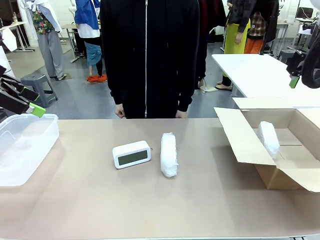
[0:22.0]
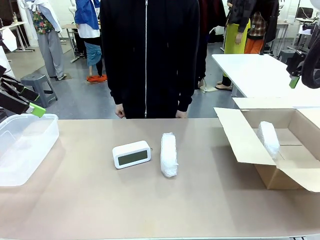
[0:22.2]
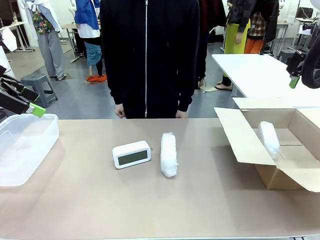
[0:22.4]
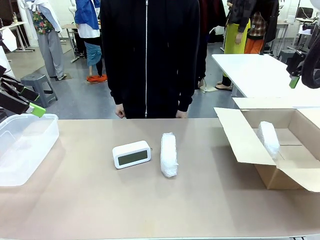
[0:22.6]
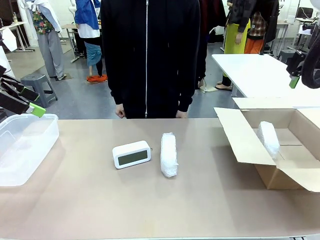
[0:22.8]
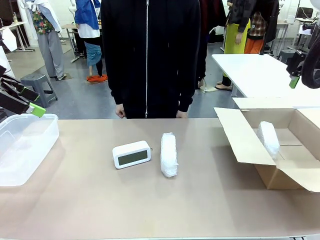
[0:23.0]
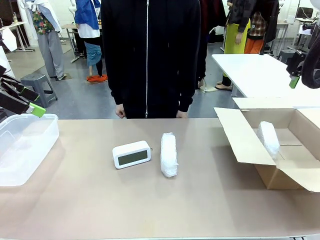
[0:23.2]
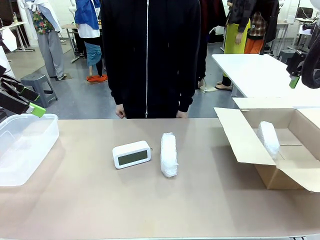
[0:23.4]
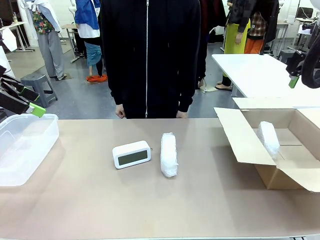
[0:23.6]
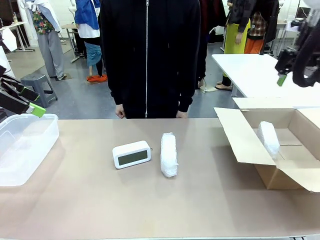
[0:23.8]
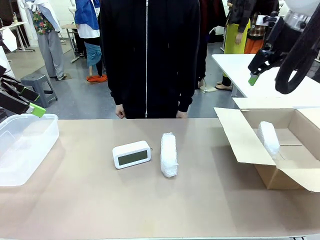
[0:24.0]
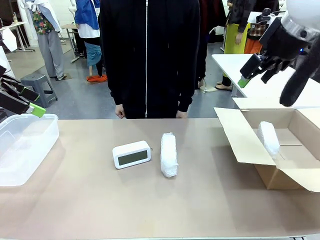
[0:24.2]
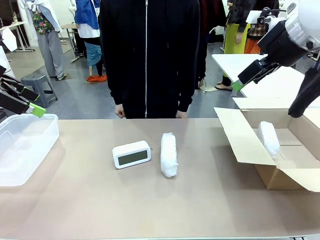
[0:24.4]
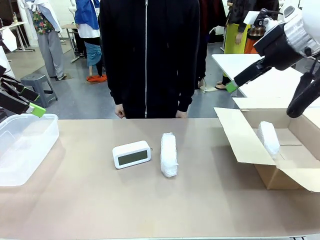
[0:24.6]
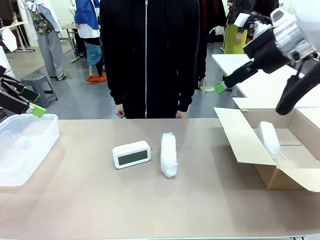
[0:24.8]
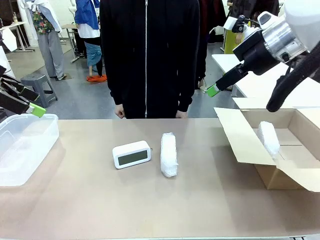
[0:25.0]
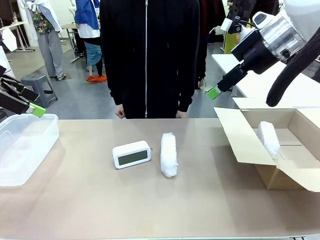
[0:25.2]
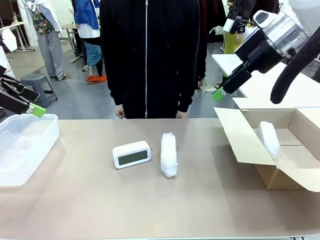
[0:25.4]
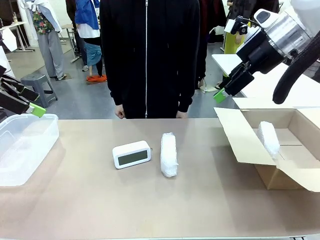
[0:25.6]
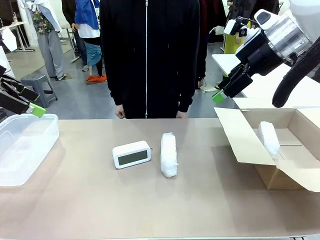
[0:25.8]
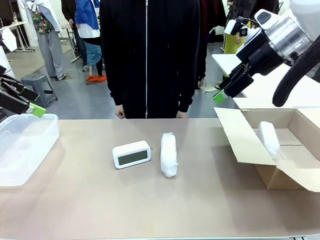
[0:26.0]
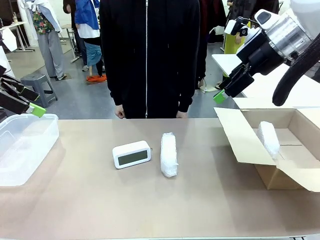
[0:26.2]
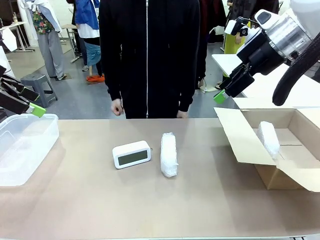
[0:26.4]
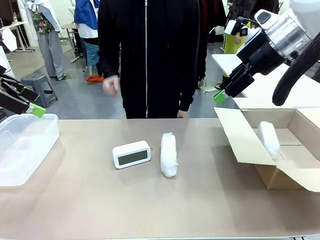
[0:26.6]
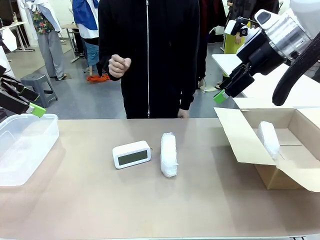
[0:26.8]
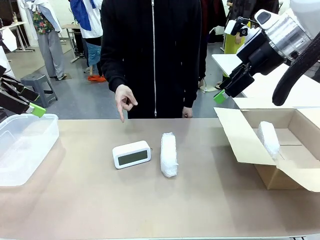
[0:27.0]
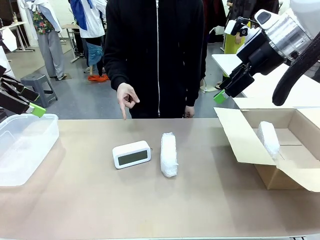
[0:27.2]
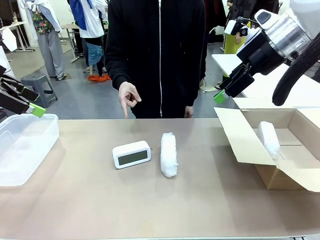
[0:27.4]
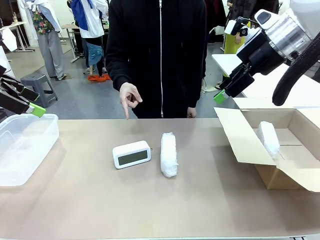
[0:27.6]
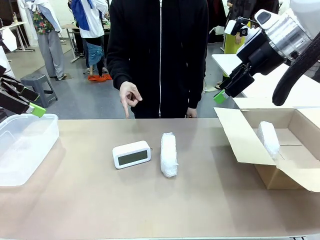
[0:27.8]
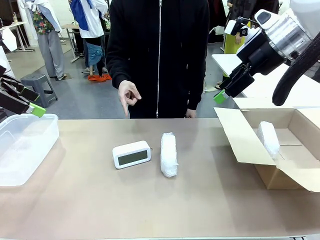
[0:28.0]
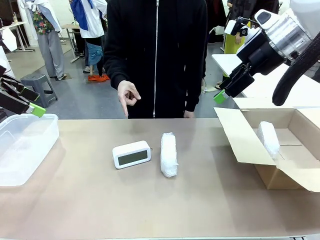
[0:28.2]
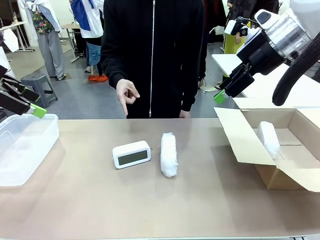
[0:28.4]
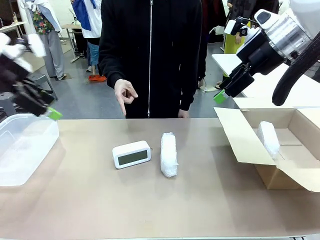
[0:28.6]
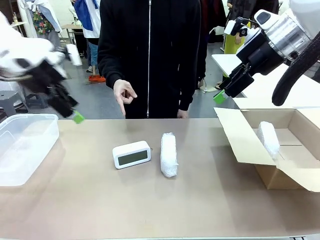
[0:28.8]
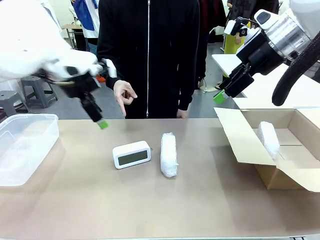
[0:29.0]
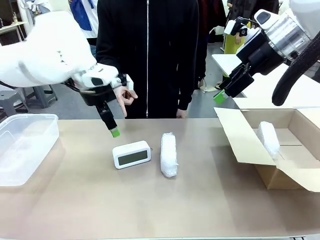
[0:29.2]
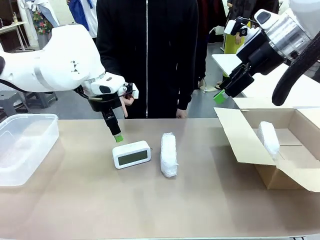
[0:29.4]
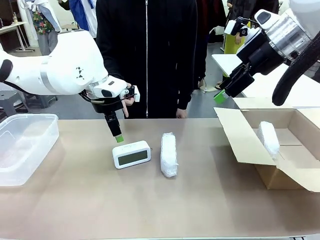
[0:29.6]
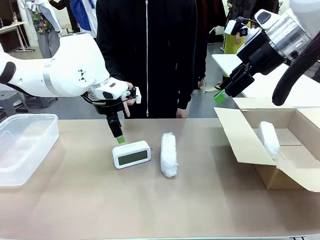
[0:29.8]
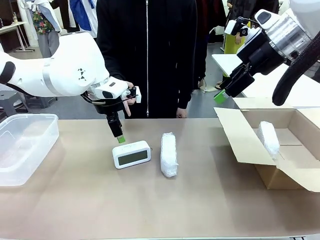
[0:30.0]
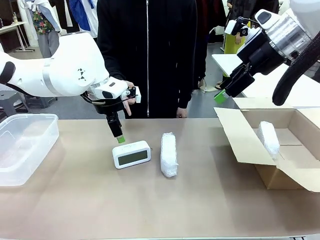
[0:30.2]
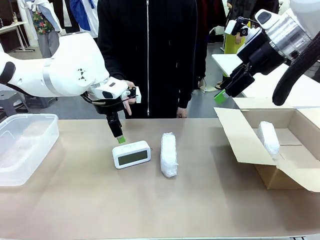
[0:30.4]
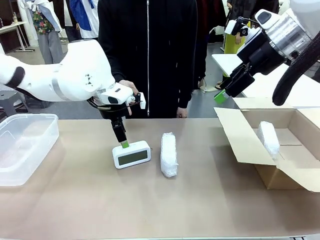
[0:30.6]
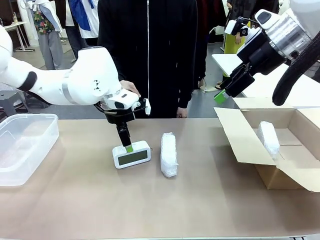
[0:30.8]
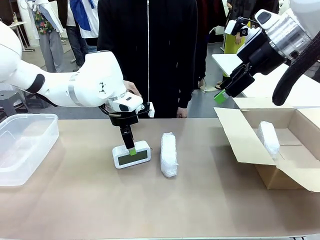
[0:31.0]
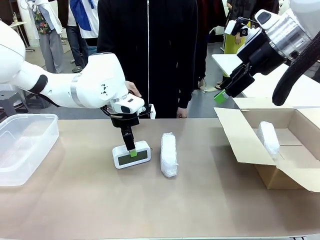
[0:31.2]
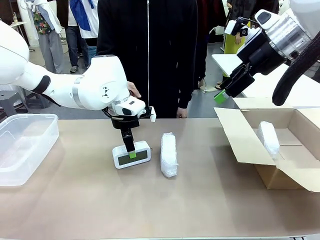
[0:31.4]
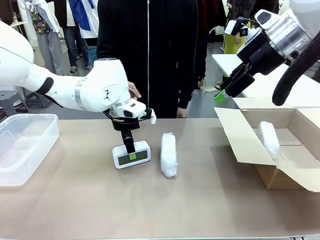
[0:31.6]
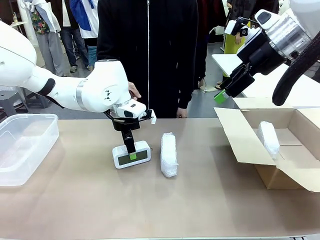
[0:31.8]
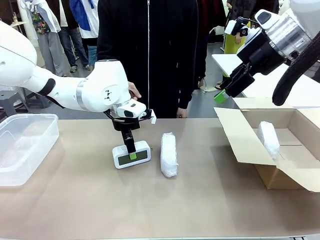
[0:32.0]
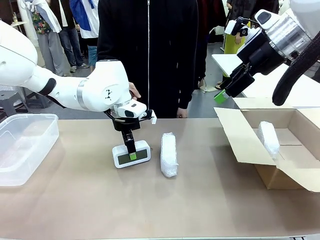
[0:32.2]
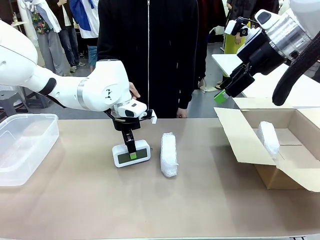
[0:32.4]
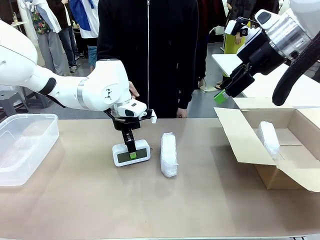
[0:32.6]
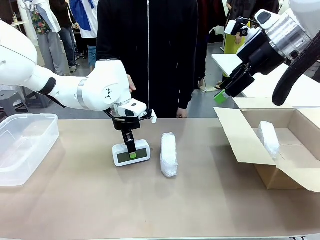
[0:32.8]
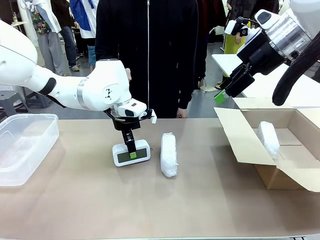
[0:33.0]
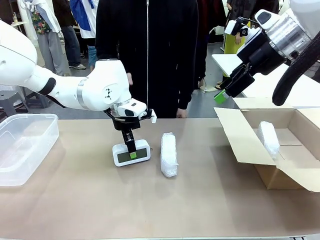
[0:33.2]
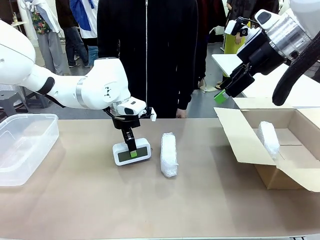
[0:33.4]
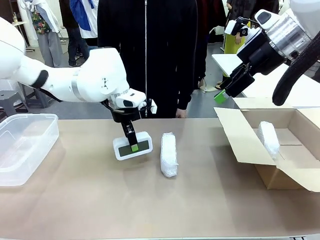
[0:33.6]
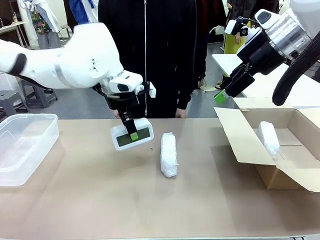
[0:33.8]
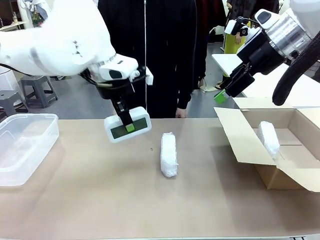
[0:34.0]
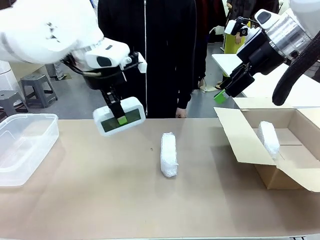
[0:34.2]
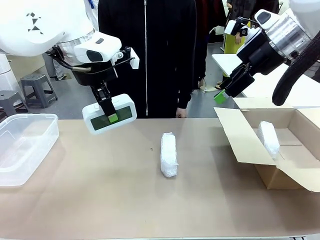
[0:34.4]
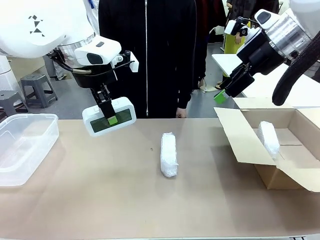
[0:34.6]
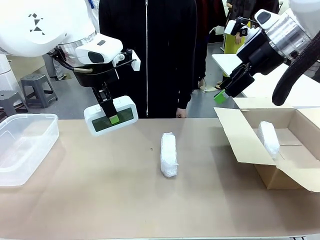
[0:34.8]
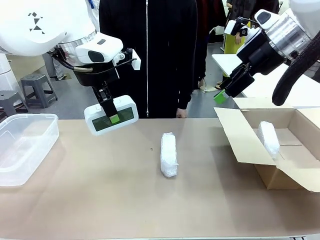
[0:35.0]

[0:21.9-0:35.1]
Task: Separate and place wrapped and unwrapped clocks.
Robot: Pick up the Digital clock indicated by the person.

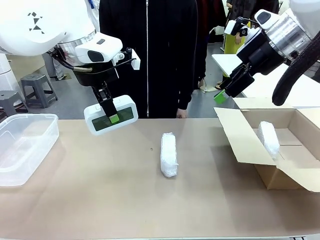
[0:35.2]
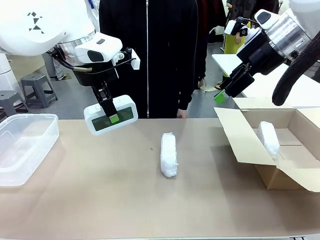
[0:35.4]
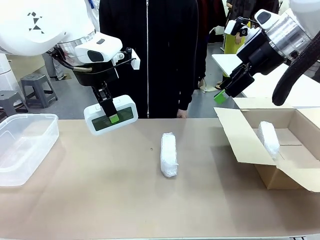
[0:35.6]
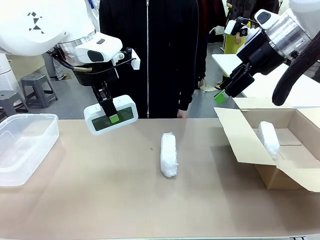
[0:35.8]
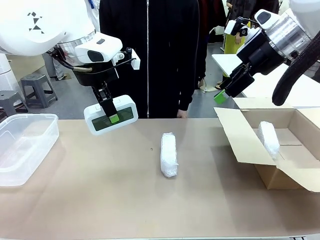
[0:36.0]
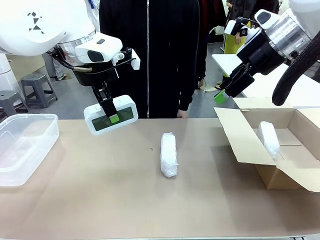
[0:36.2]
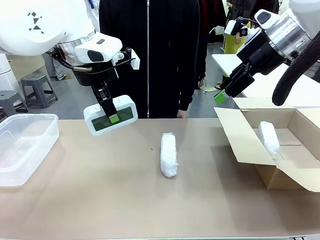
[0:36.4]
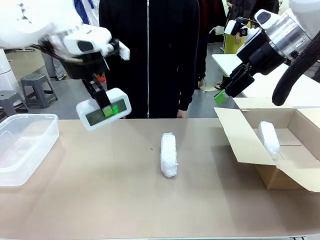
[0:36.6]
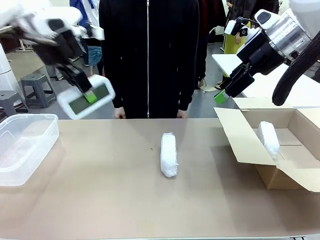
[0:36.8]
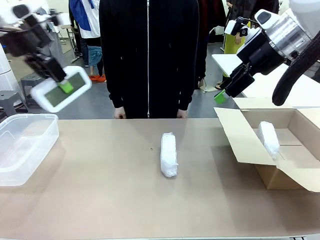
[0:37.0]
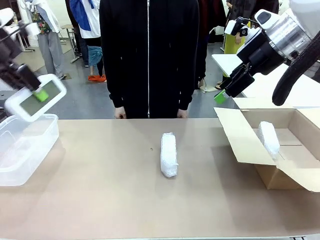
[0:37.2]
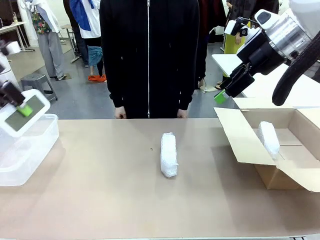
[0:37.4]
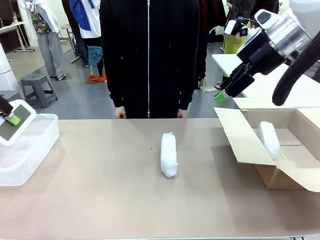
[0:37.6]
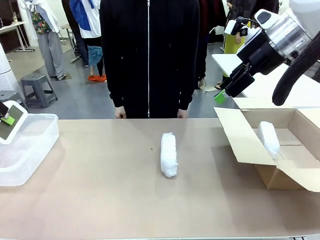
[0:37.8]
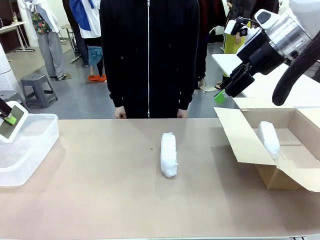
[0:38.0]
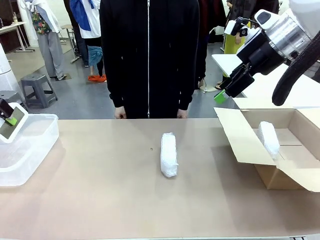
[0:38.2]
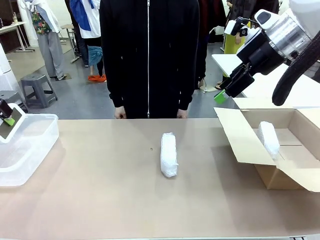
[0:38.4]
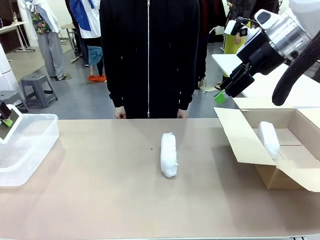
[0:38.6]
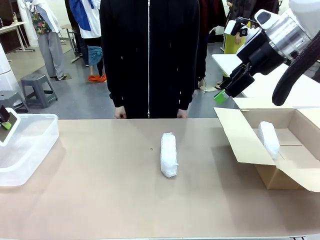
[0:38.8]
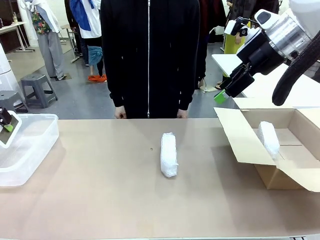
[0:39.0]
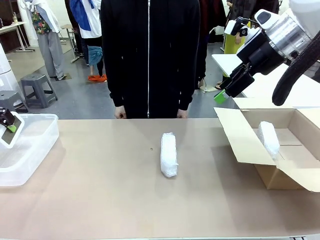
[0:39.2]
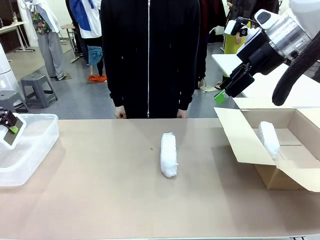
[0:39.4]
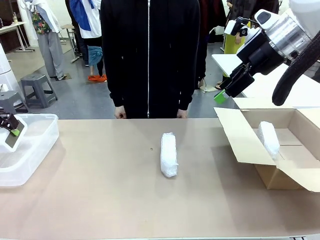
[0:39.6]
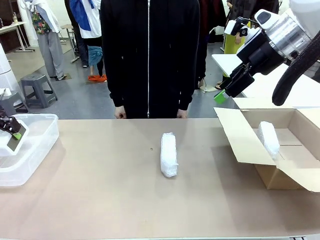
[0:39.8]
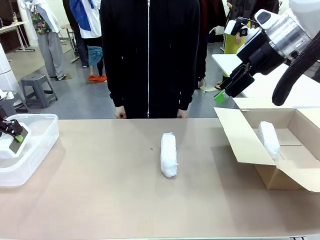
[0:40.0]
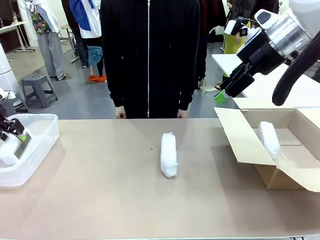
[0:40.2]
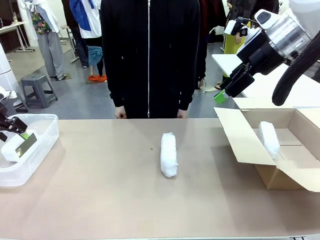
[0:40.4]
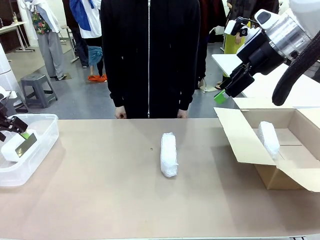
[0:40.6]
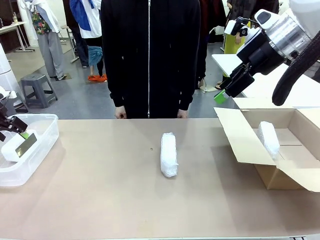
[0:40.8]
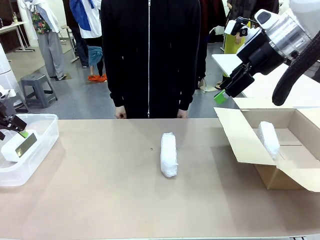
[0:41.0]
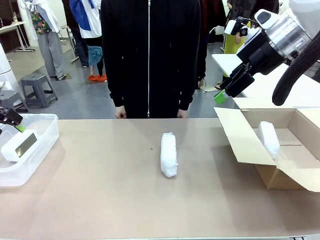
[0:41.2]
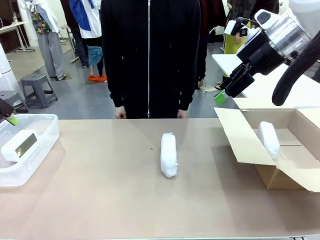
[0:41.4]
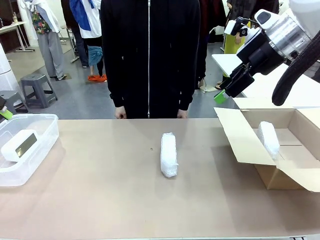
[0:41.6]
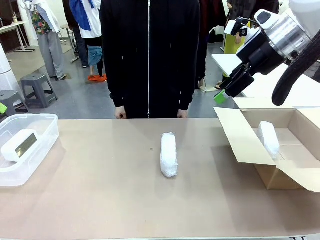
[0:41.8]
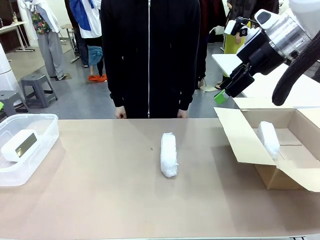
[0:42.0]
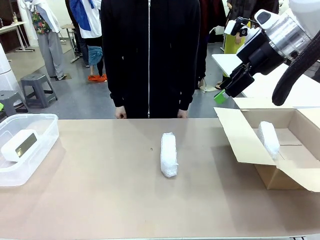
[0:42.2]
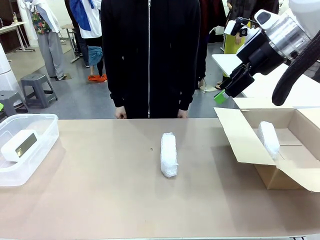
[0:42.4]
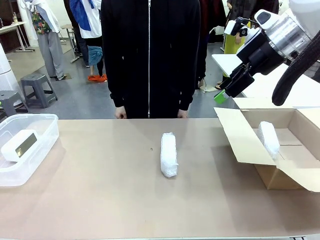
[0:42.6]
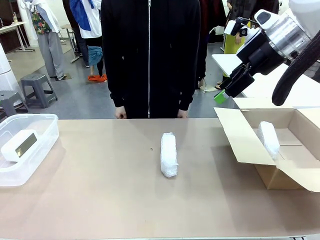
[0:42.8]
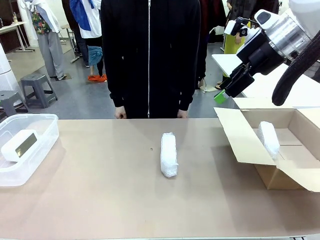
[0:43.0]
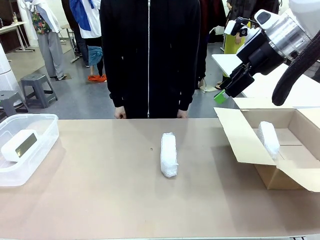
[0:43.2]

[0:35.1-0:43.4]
Robot: If the picked Digital clock is wrapped, place it in the Package Box ; if not, place it in the Organizing box.
